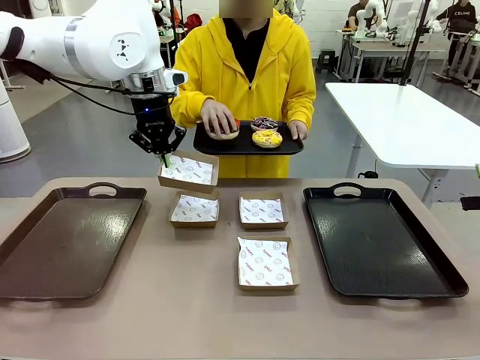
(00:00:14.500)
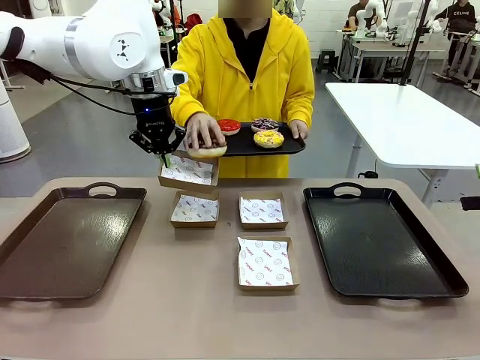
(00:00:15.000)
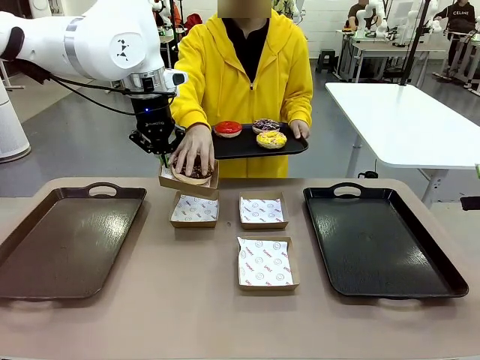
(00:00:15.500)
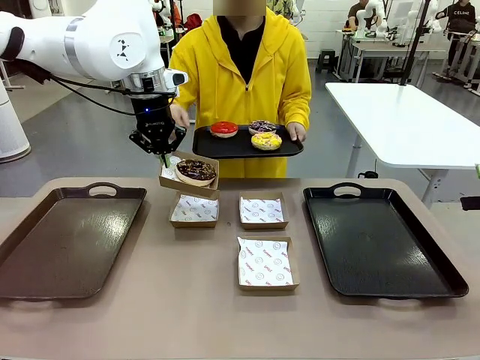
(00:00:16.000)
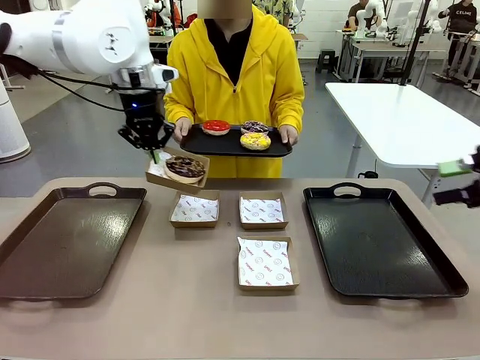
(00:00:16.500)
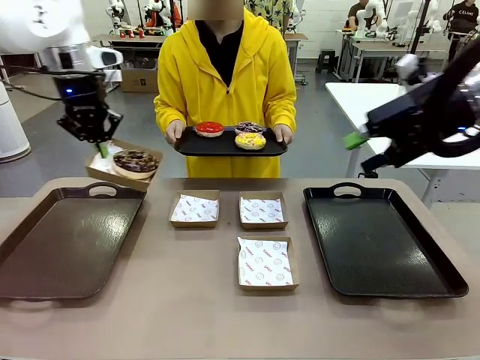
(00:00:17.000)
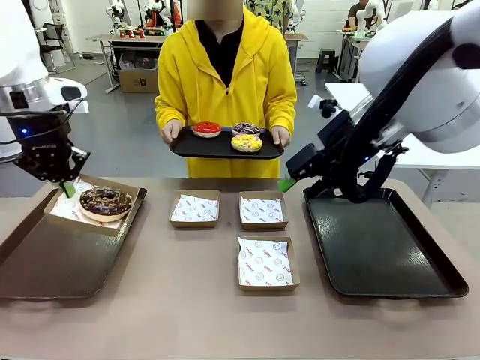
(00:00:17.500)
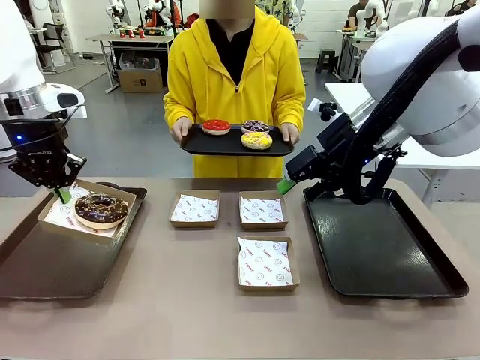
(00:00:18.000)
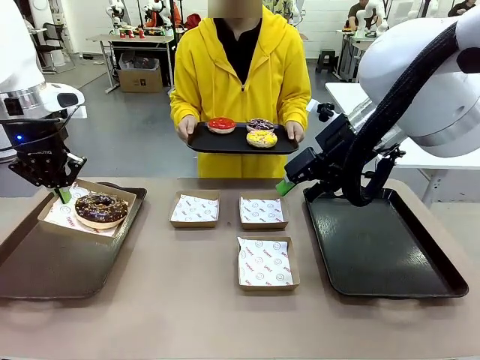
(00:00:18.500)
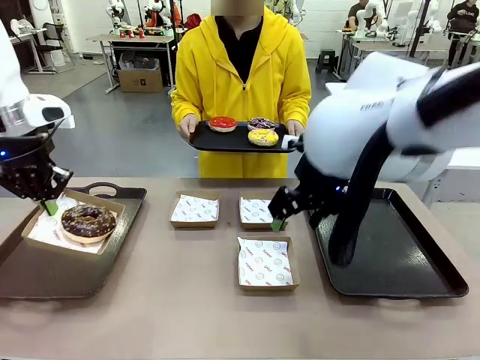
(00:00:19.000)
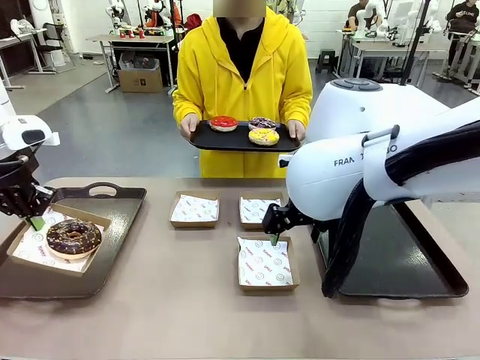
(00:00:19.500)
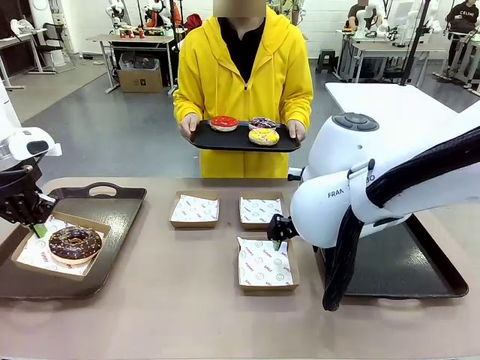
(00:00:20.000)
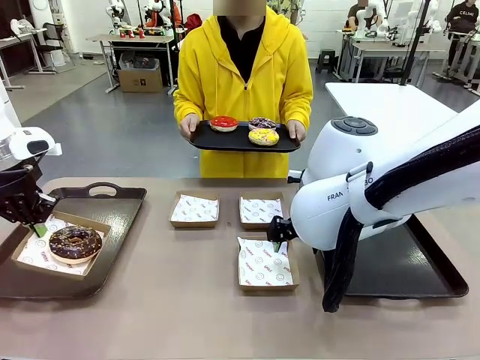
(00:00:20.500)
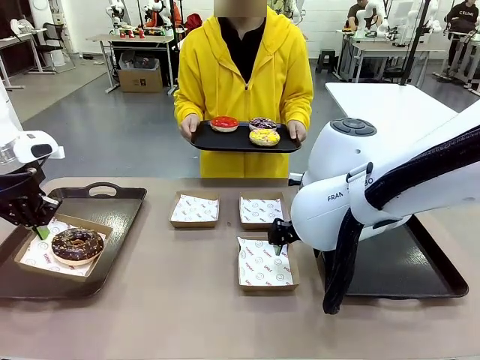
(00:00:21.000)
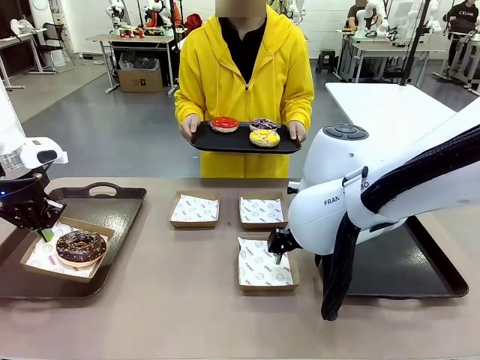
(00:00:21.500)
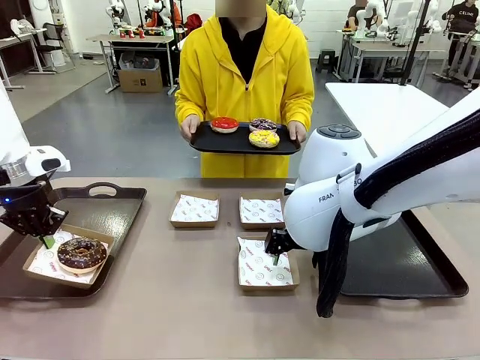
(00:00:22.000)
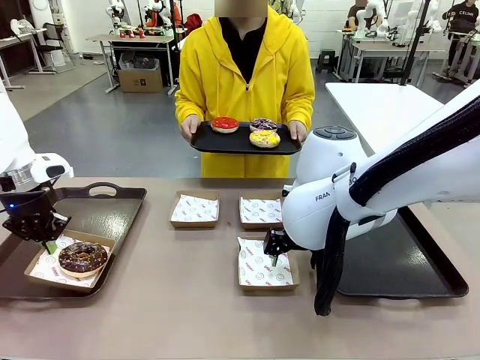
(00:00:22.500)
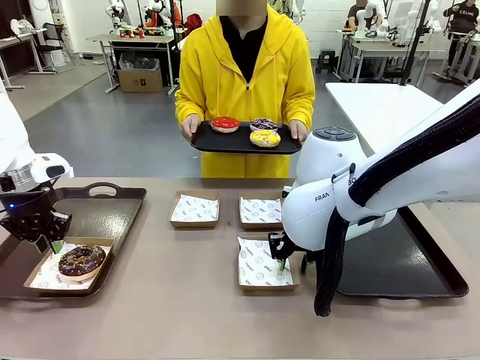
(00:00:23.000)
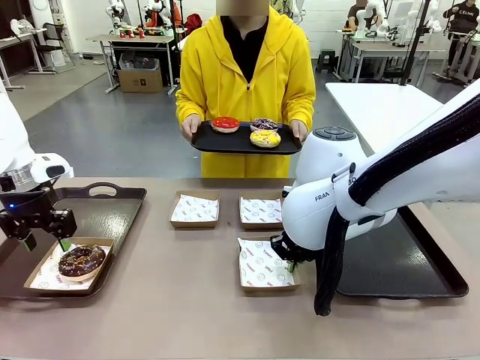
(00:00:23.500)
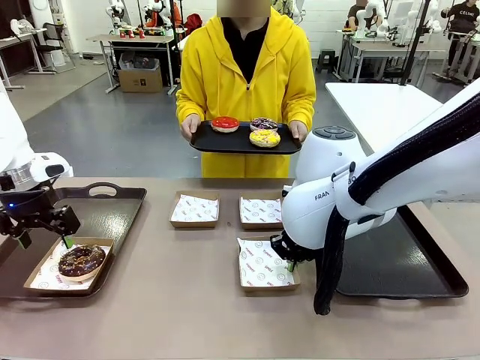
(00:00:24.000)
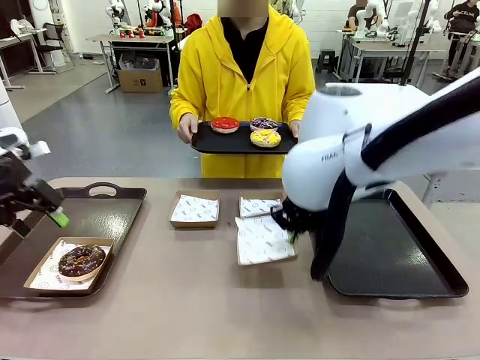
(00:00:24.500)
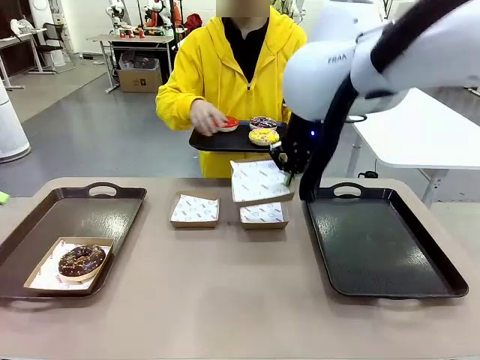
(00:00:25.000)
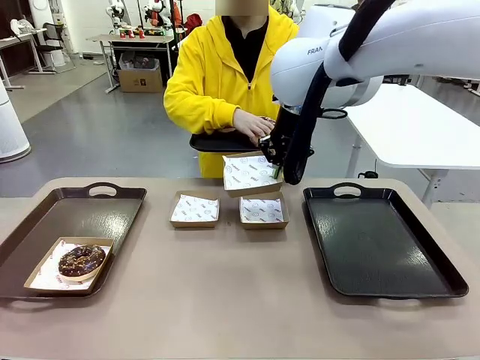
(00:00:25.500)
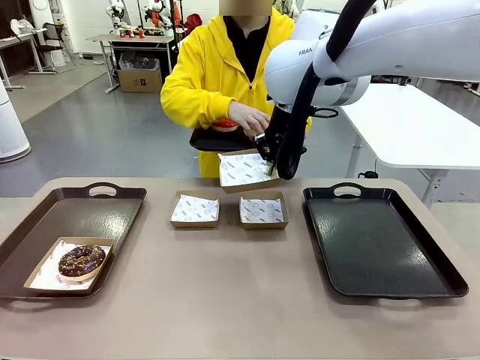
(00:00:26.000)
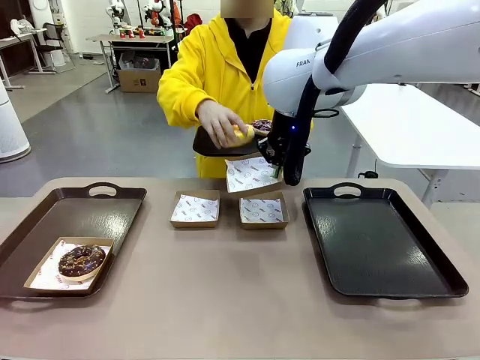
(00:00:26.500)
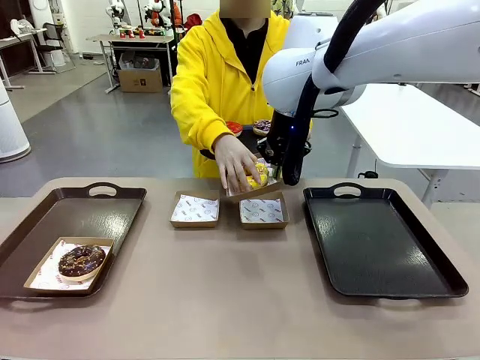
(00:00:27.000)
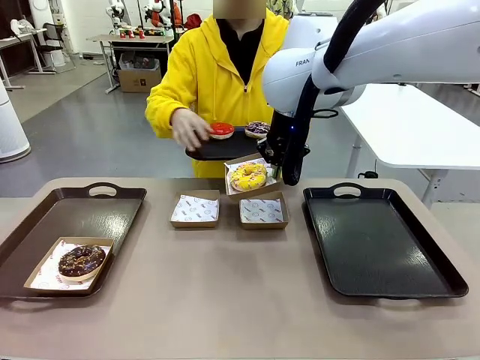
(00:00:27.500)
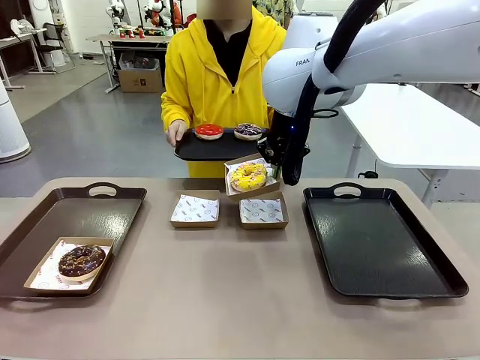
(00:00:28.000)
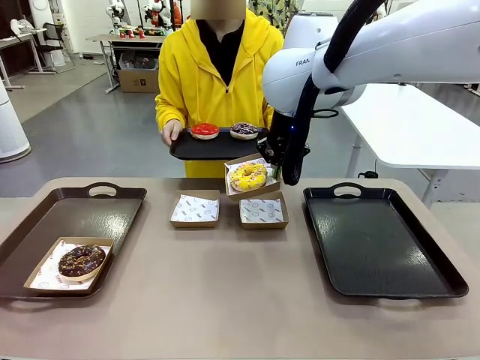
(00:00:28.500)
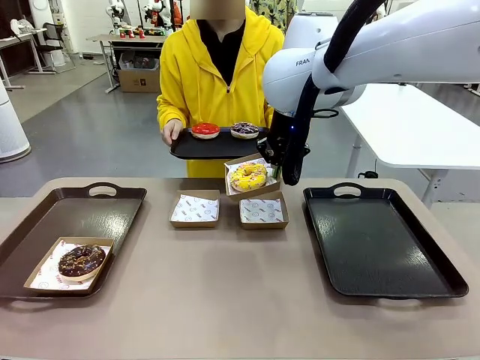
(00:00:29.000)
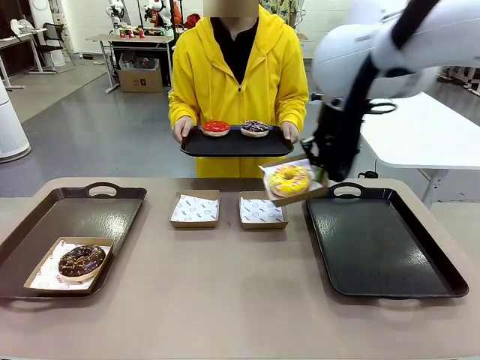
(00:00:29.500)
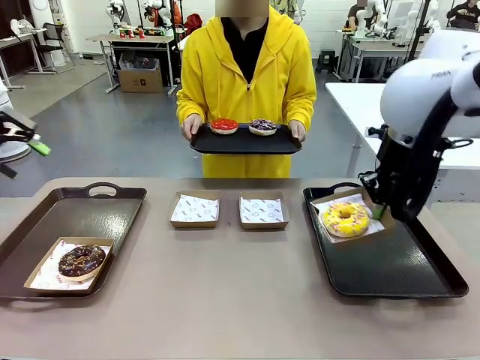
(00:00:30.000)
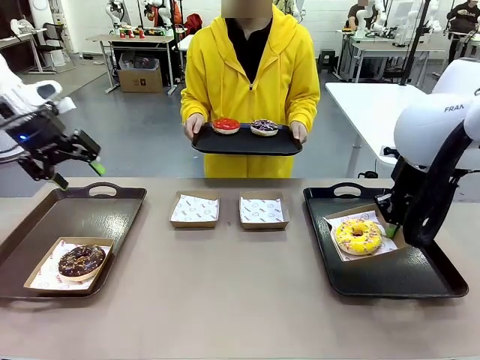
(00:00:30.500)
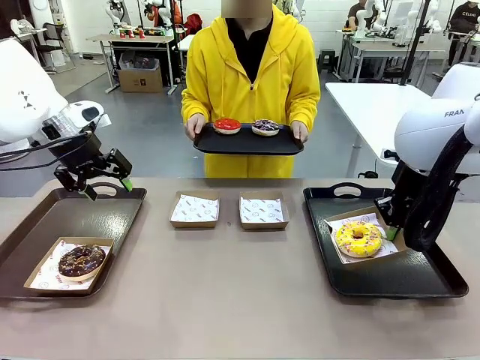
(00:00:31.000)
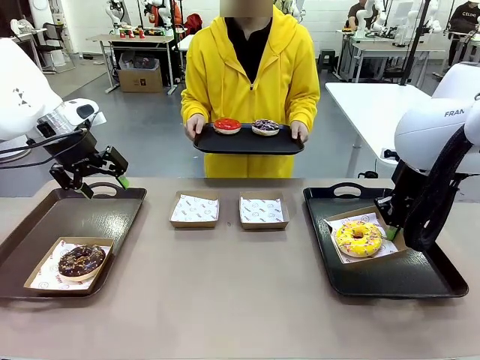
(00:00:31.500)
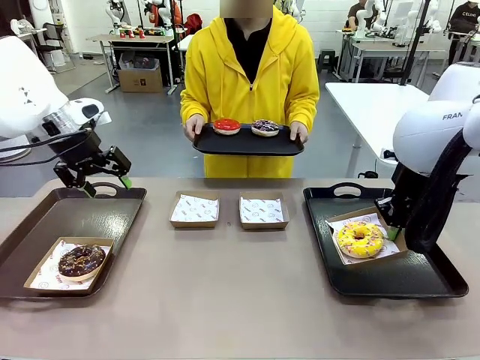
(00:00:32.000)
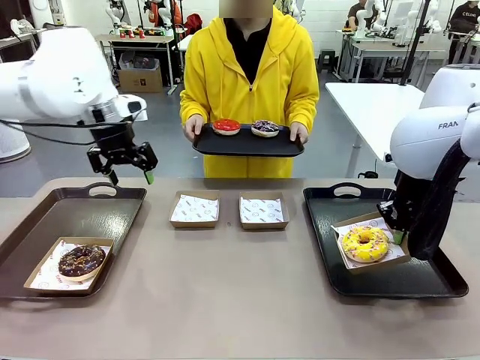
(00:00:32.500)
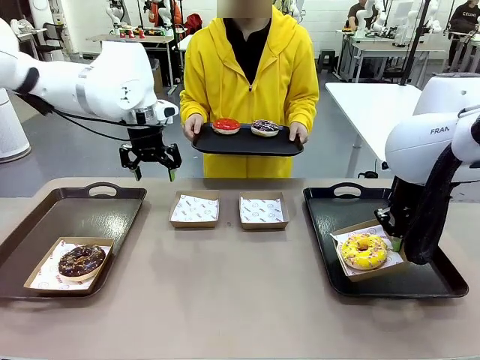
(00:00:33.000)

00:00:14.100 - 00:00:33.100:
Task: Individually package the donuts and arrange them on the tray.
Robot: Place the picked Paper togo box on the Handle tray while simultaneously picking up another Paper togo box from the table with the other hand.
